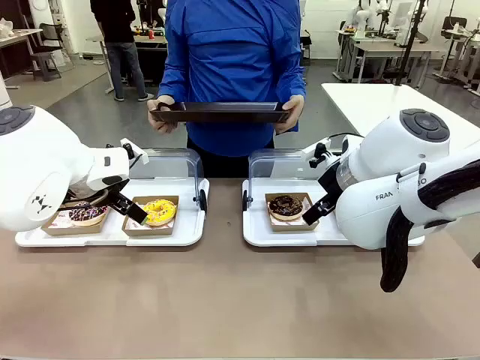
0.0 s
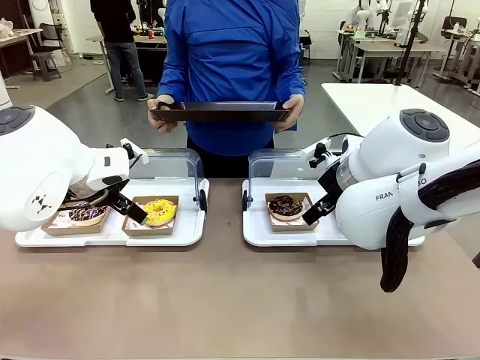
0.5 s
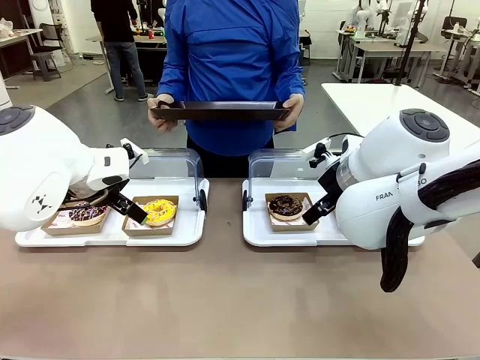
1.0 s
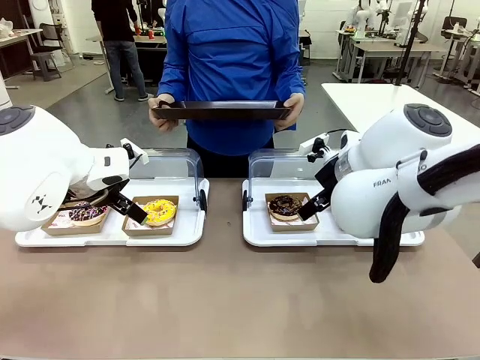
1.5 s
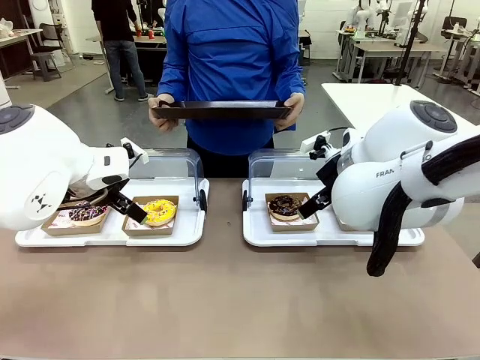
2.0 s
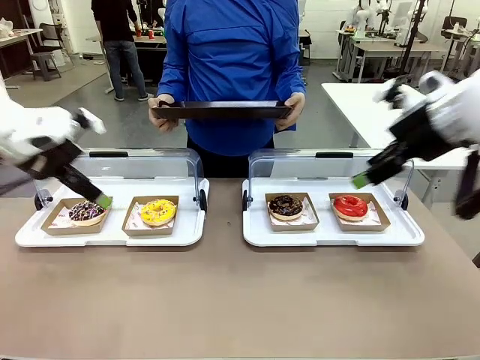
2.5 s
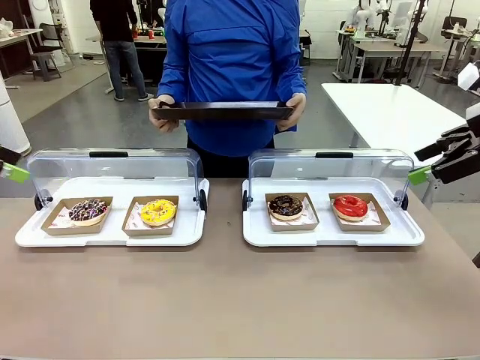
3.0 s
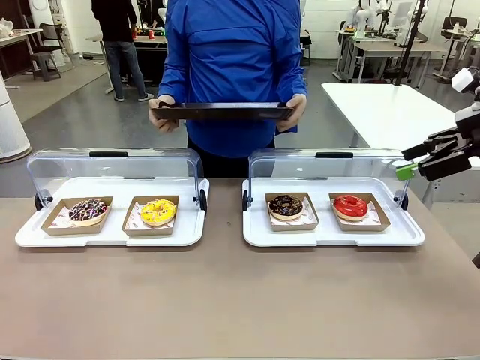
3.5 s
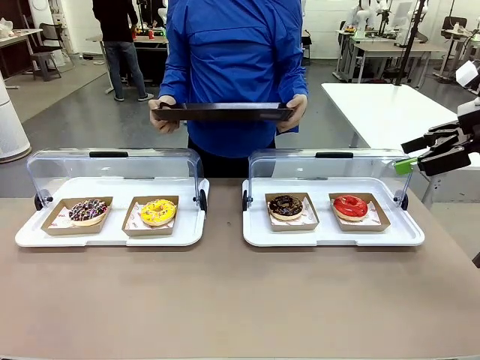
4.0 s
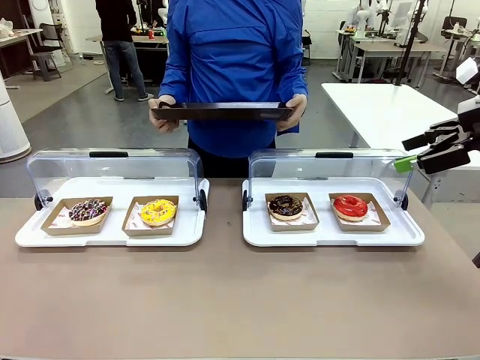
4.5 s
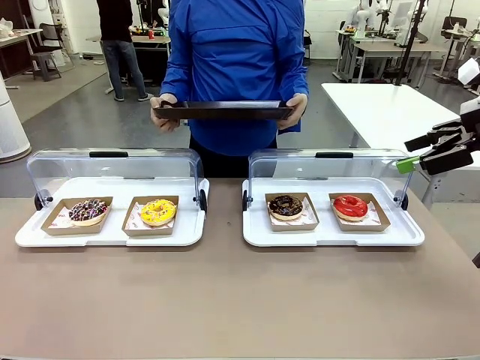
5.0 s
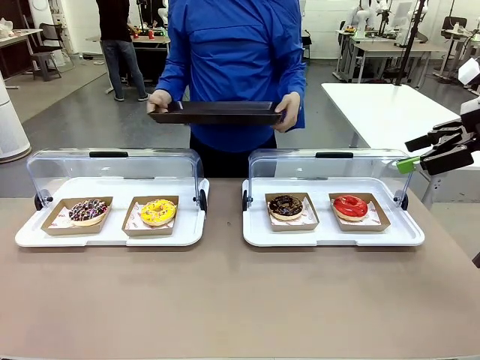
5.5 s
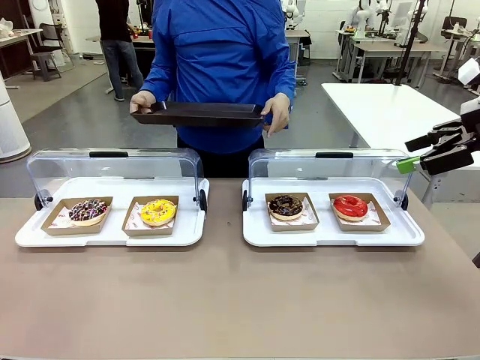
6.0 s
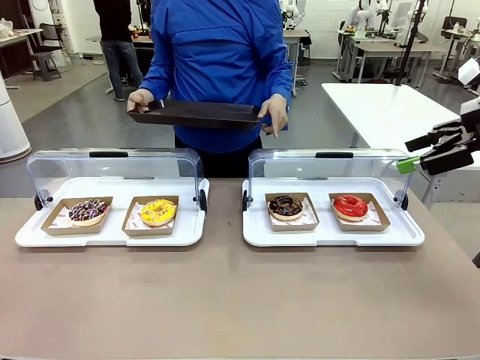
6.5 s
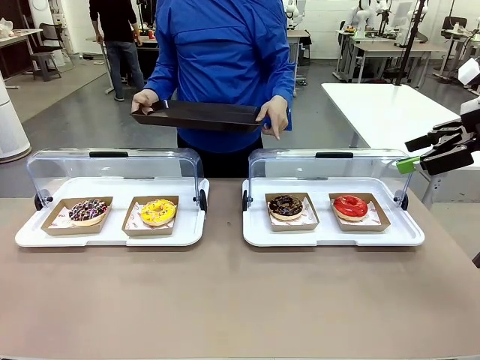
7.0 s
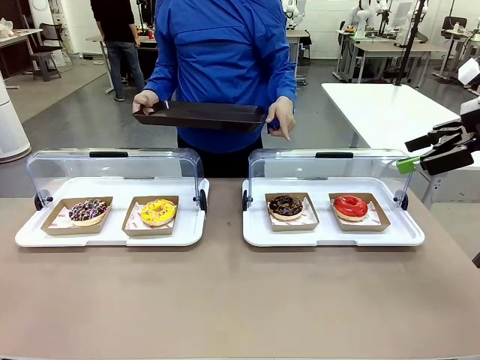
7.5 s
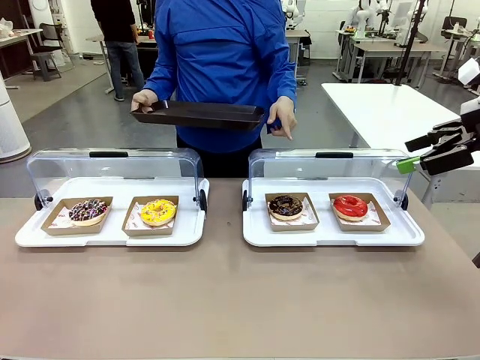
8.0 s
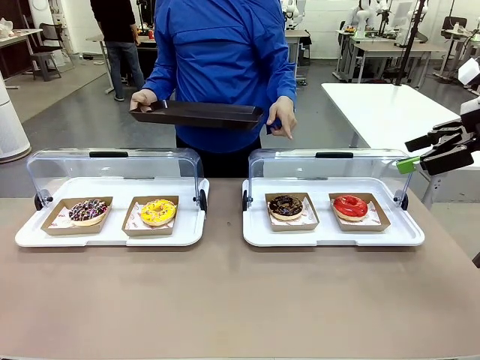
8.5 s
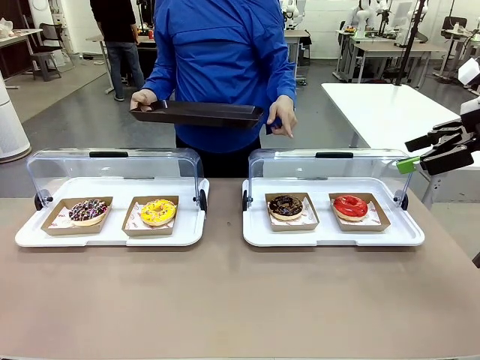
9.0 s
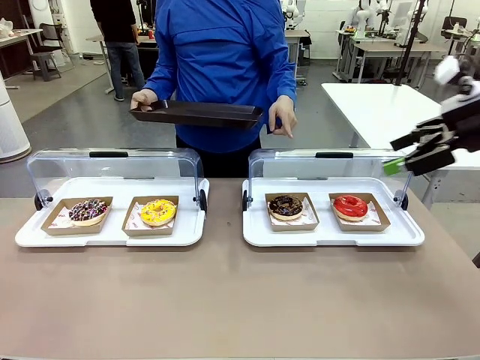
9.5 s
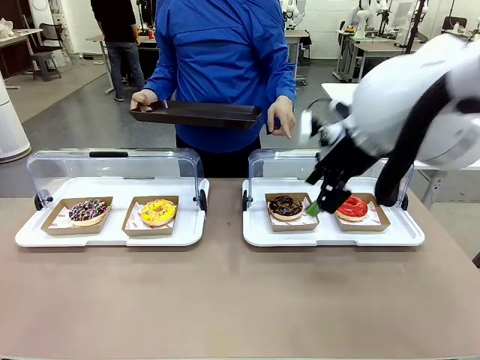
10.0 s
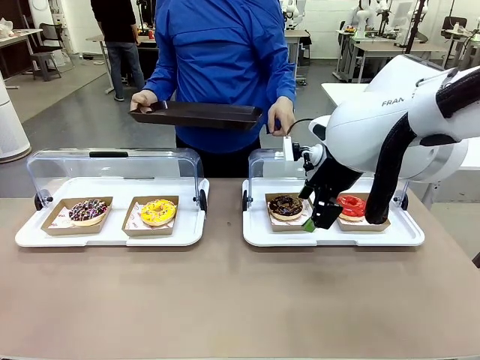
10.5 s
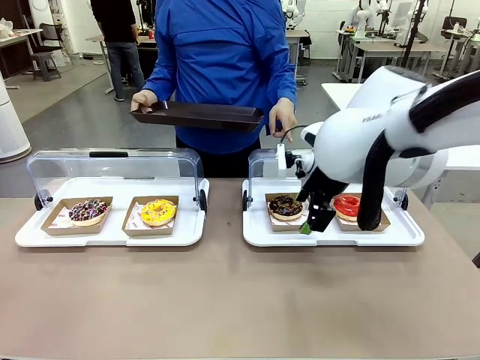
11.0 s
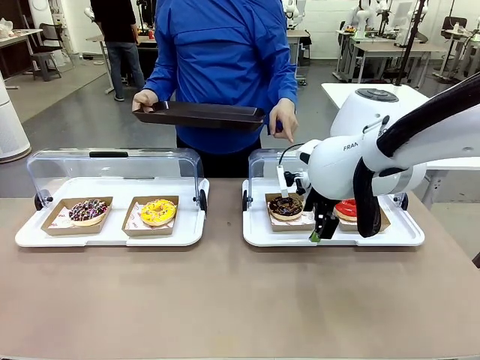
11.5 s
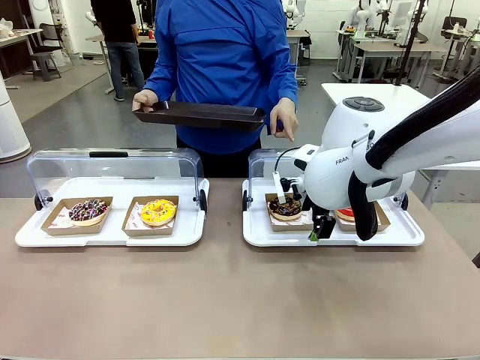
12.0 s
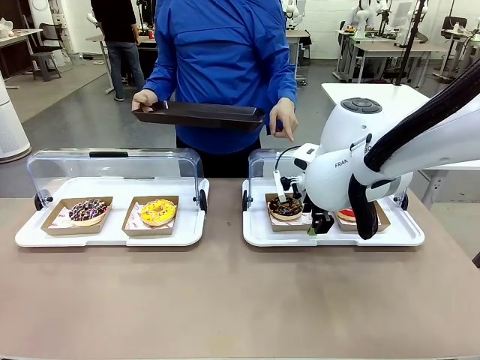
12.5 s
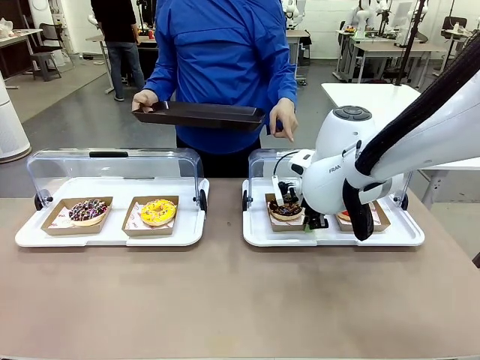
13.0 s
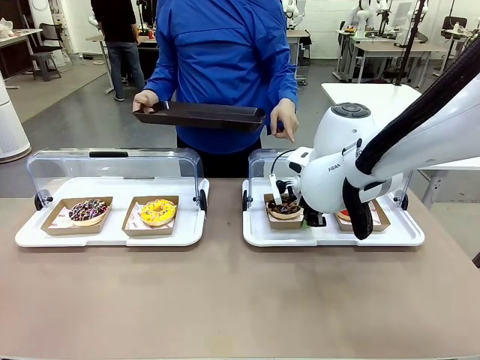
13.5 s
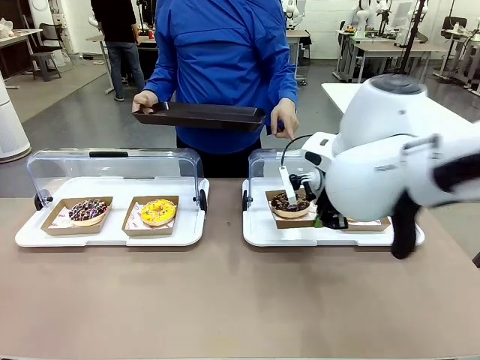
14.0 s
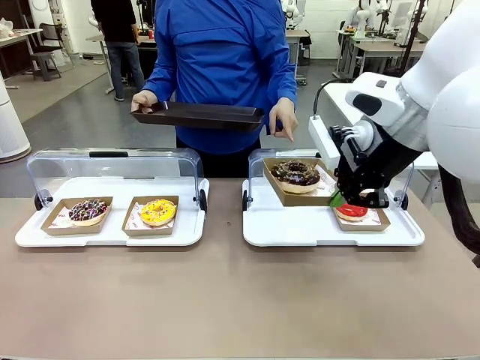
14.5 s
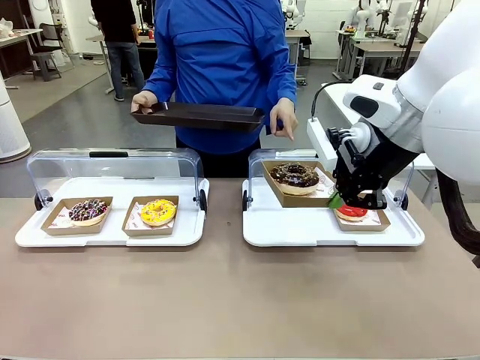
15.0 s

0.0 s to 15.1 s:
Task: Provide the desired donut to the person.
Robot: Pick up and lift the Paper togo box containing the Donut pointed at by the person.
Person: Point to one donut. Lift the tray onto the Roll-Top Bakery Case.

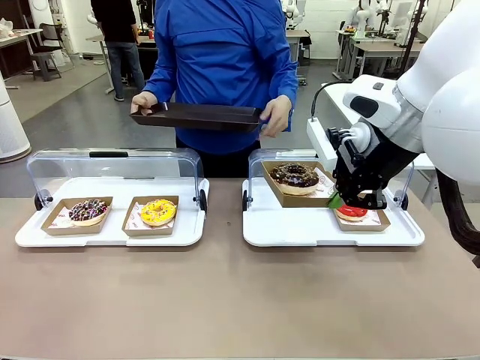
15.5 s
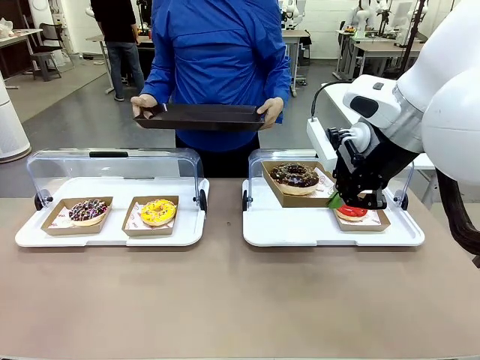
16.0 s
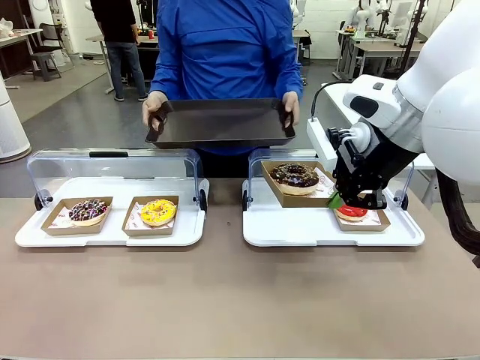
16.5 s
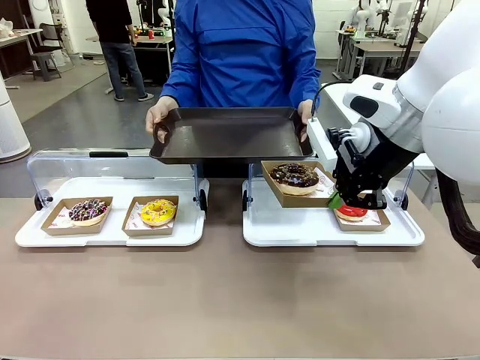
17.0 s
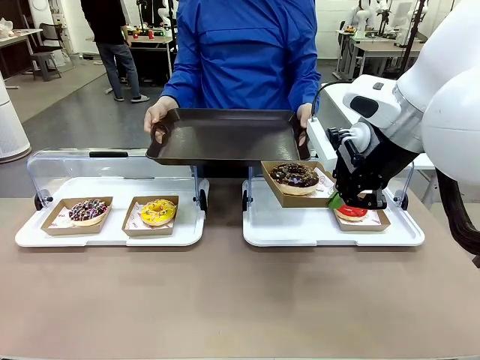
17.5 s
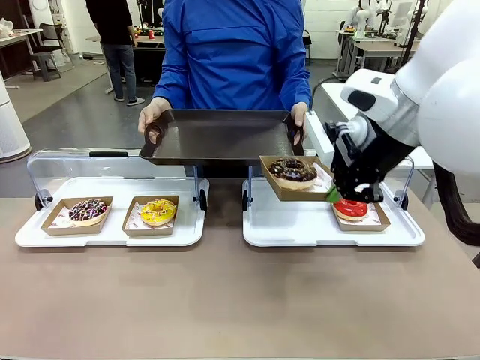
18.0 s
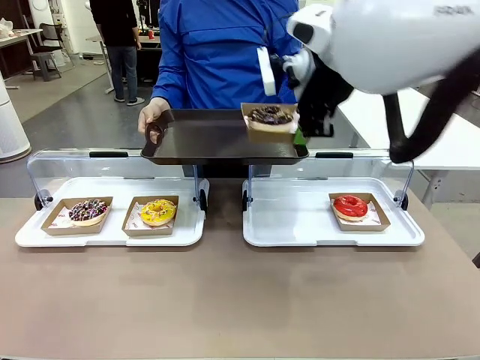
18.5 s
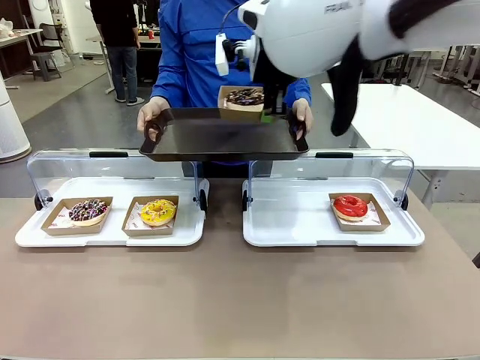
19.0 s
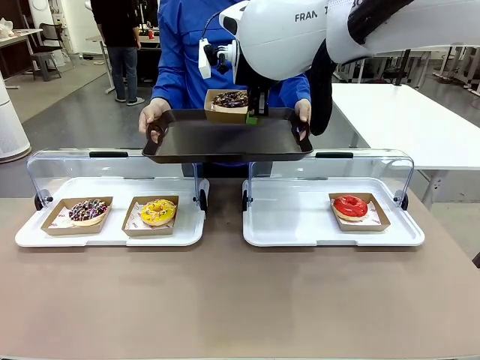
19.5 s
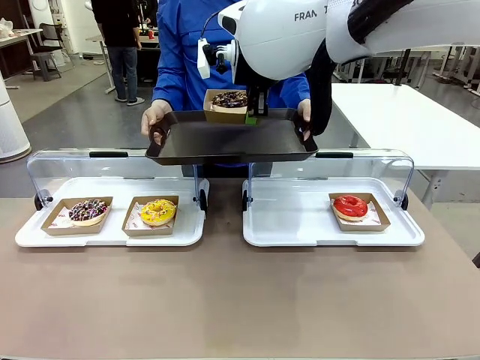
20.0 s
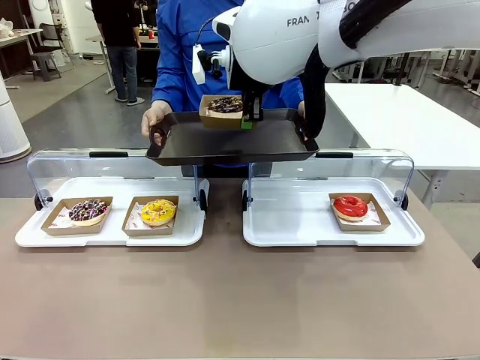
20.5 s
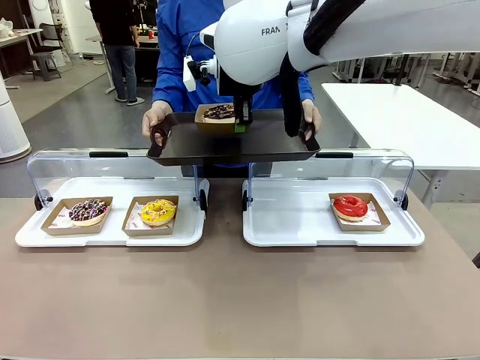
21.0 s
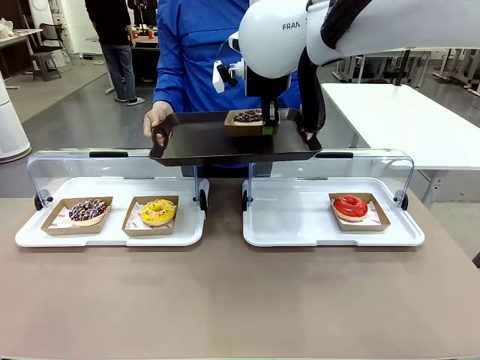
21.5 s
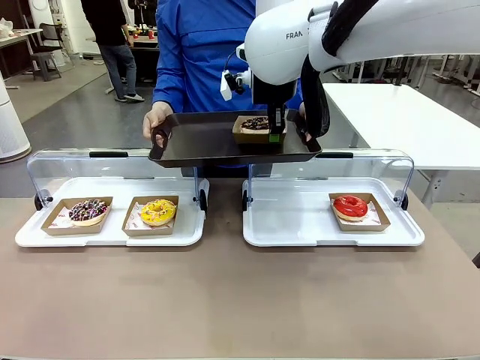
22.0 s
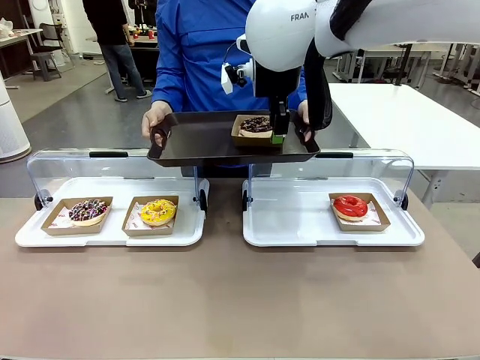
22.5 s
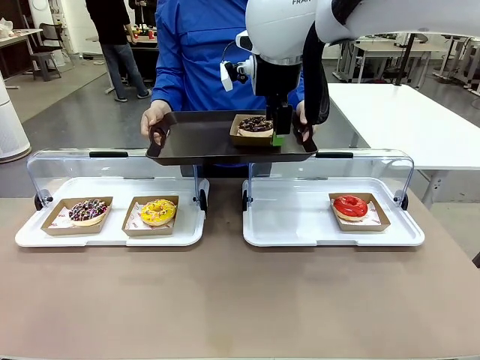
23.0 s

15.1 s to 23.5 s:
Robot: Place the picked Paper togo box onto the Handle tray extended by the person.
Person: Point to one donut.
